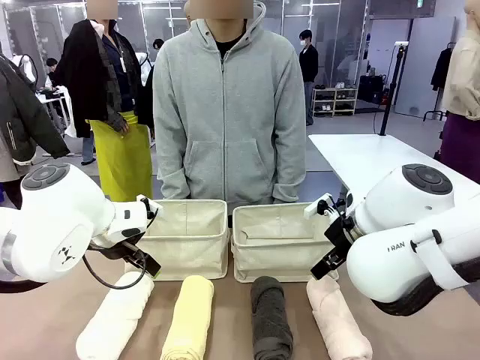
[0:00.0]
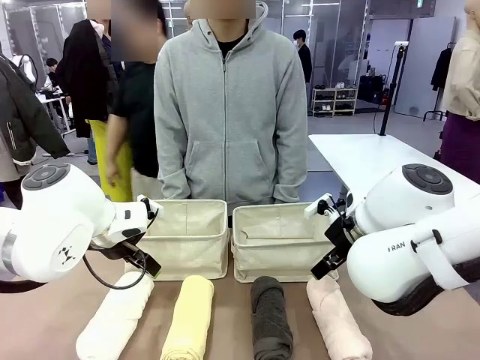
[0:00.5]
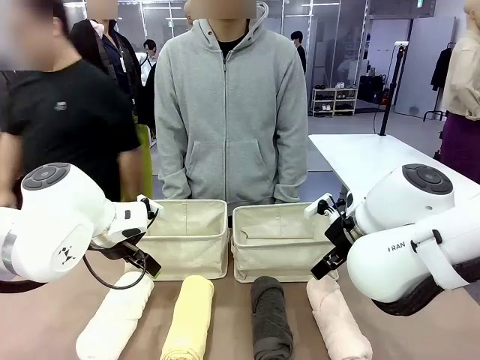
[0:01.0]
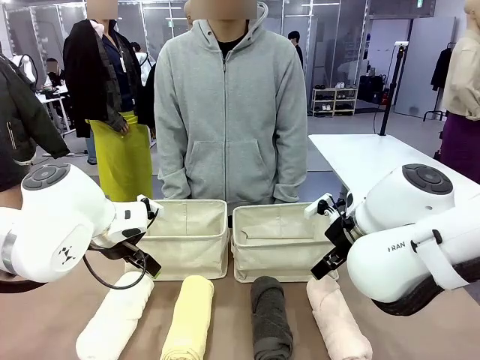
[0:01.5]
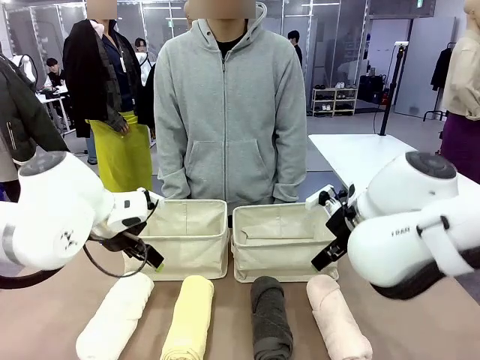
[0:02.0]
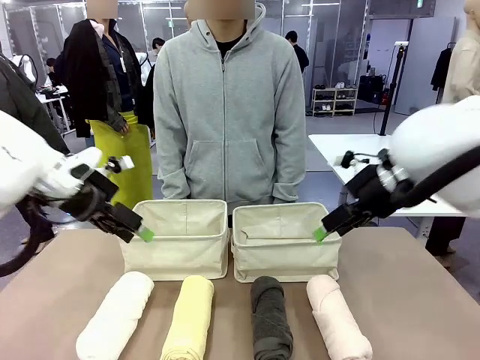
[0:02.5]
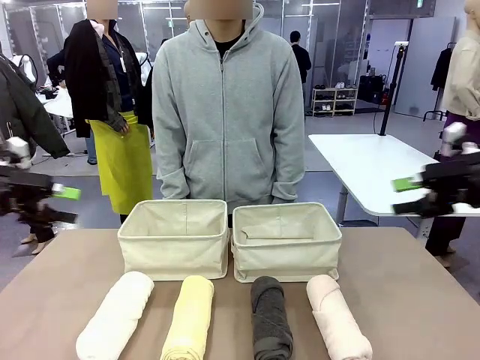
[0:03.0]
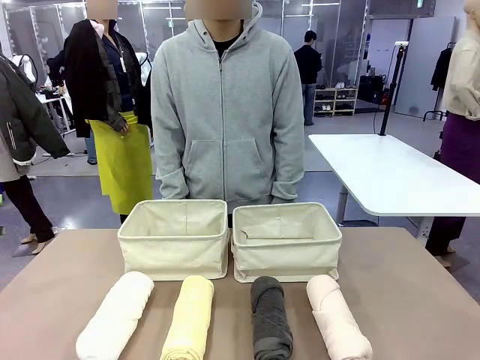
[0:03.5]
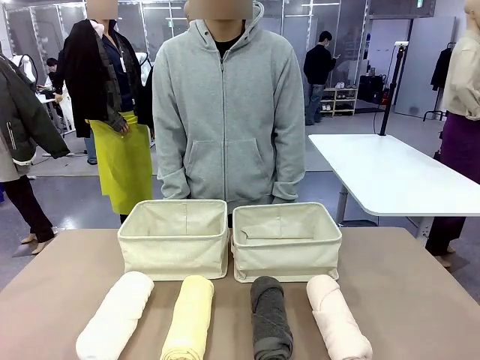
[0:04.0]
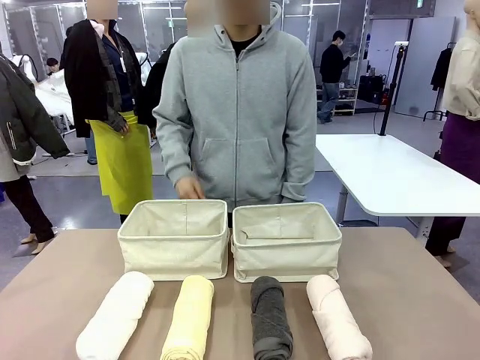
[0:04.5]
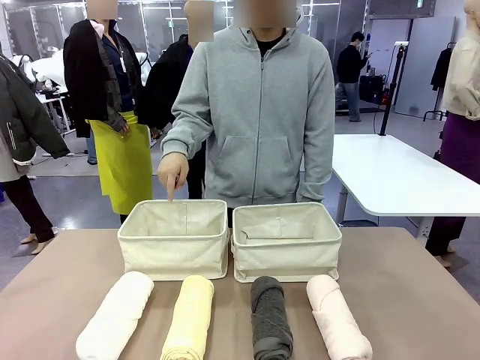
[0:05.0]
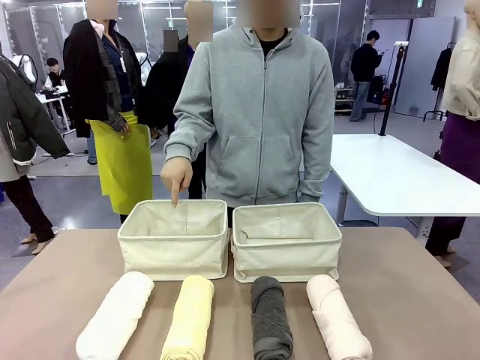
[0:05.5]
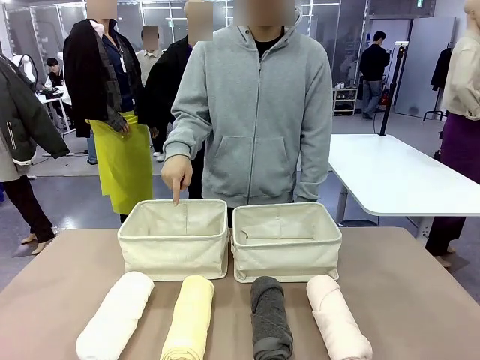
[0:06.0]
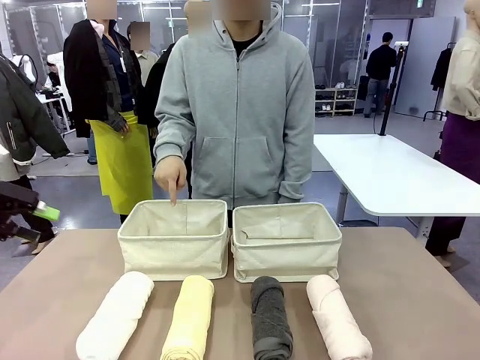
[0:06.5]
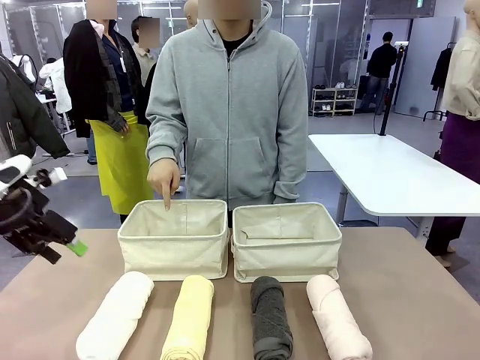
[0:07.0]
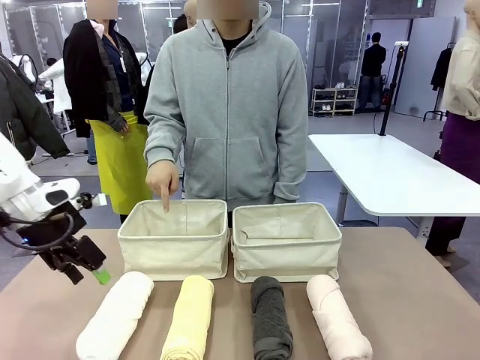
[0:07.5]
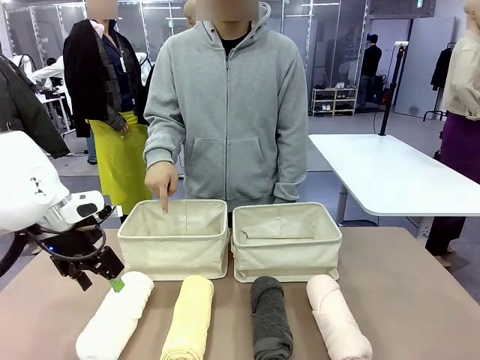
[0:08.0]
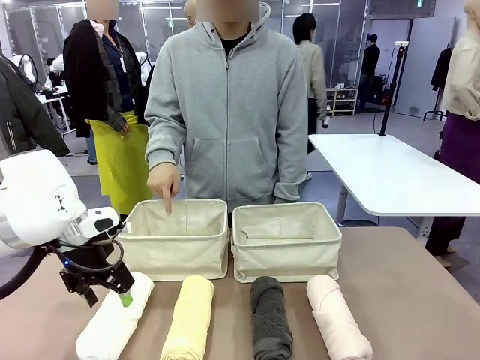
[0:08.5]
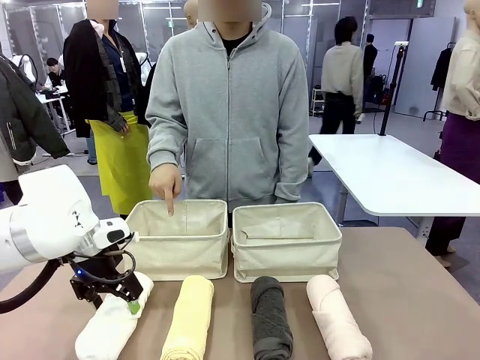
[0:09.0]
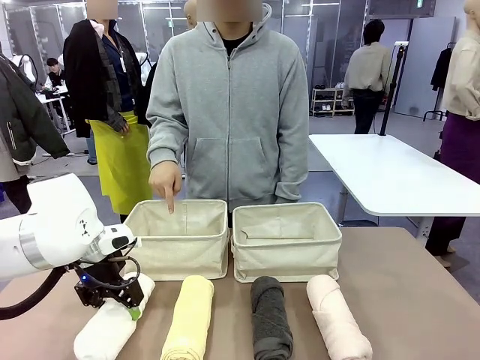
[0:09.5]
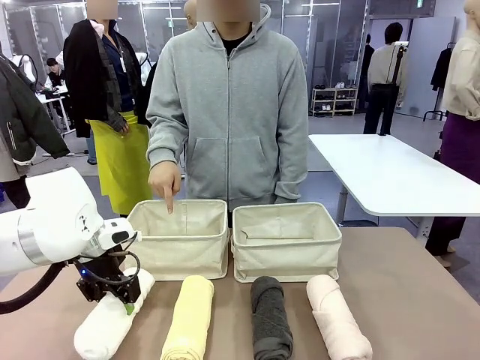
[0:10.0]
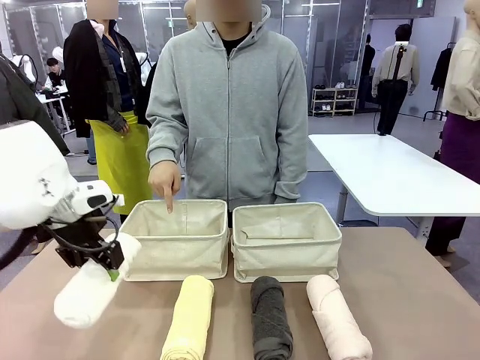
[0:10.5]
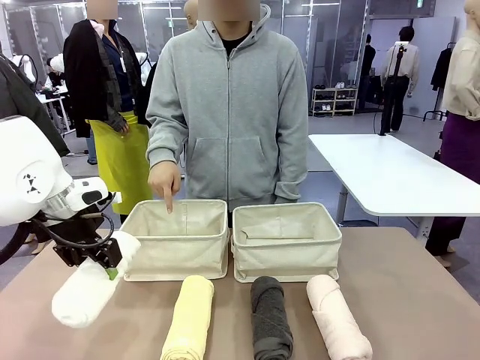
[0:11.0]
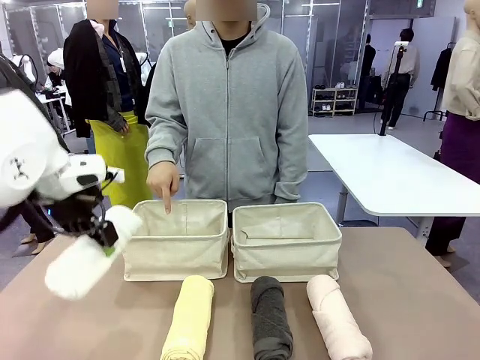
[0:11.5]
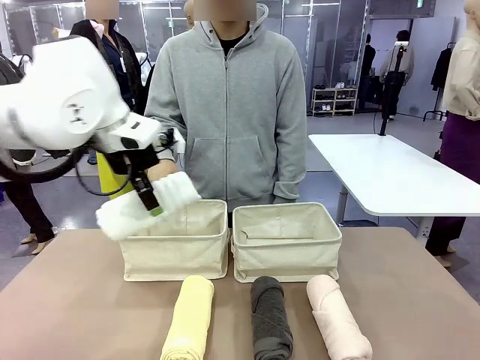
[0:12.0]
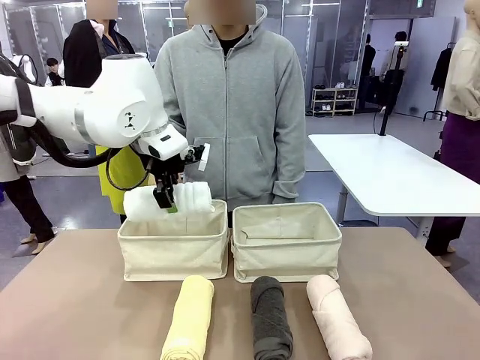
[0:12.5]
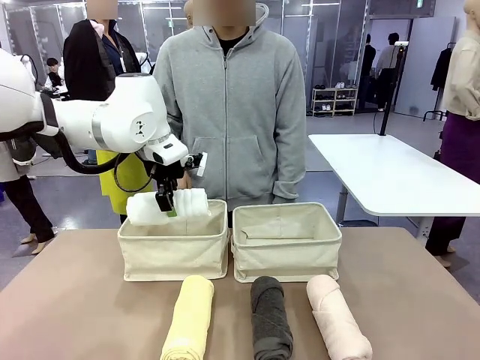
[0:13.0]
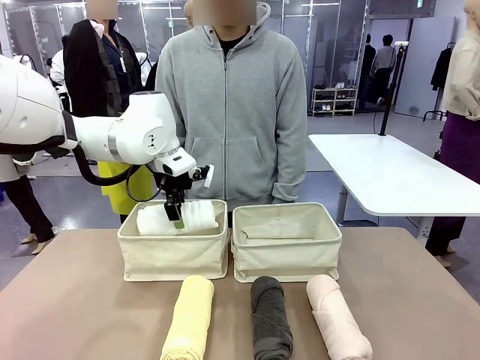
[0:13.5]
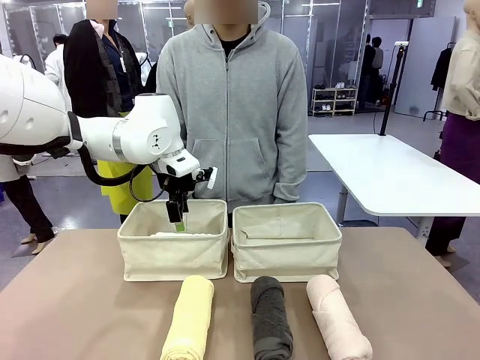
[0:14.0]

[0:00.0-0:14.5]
Task: Divide the towels into two baskets.
Robot: Pick up one hotel-folded towel and place it in the Fabric basket indicated by the person.

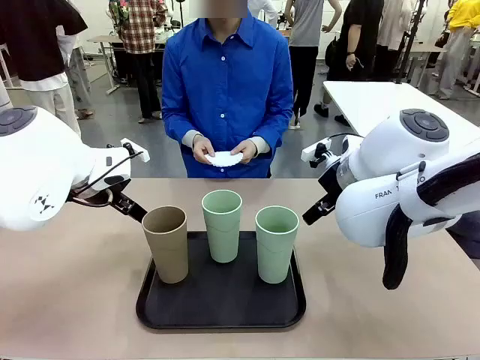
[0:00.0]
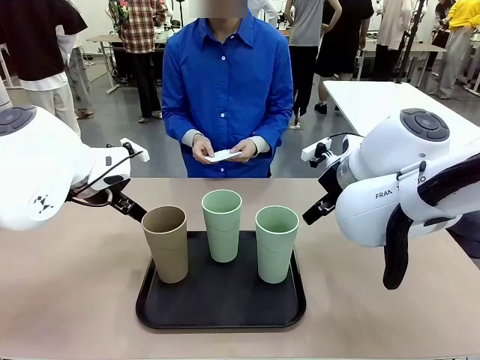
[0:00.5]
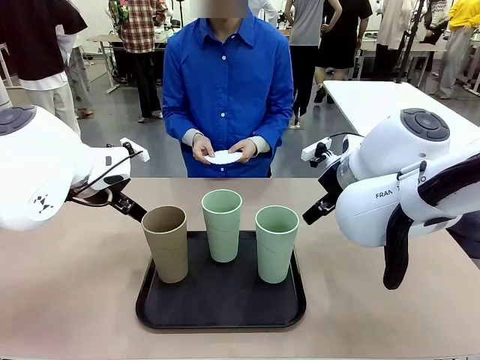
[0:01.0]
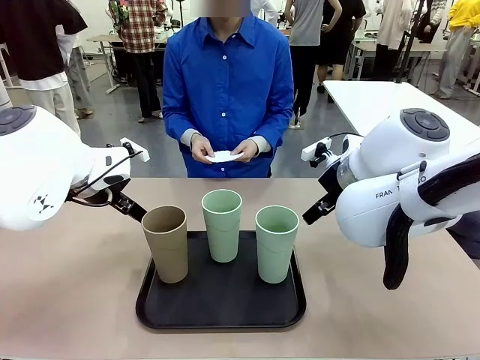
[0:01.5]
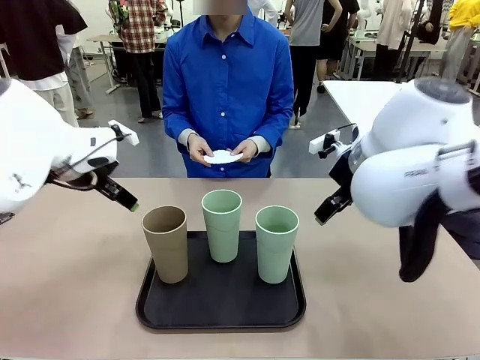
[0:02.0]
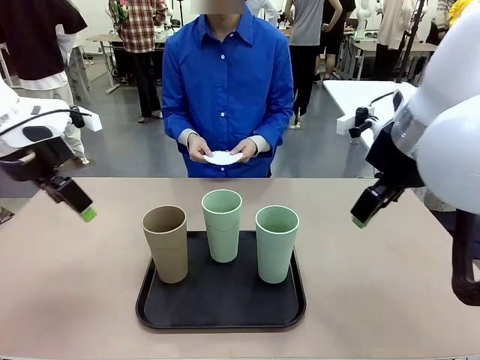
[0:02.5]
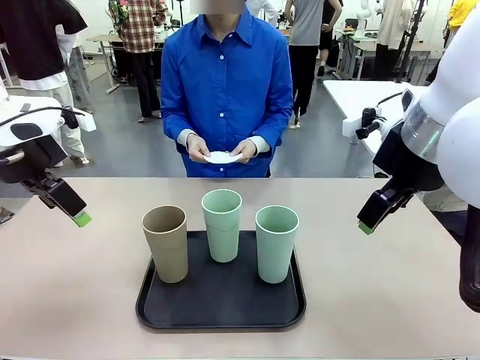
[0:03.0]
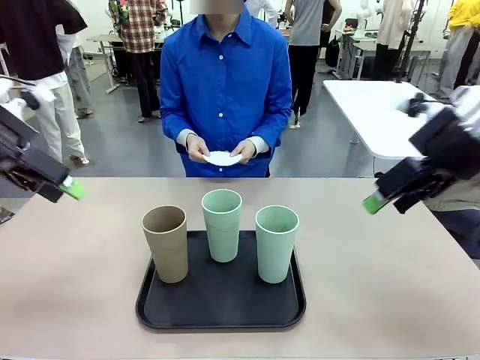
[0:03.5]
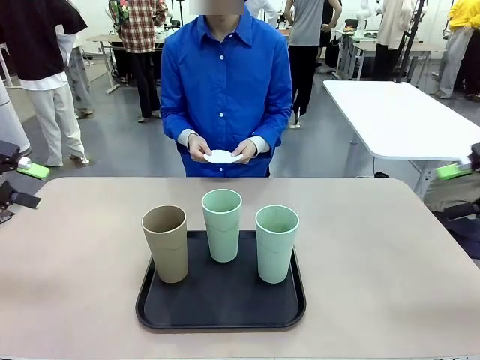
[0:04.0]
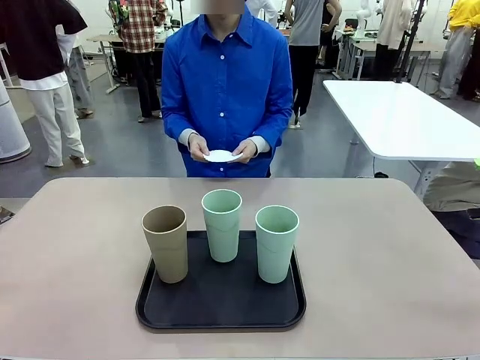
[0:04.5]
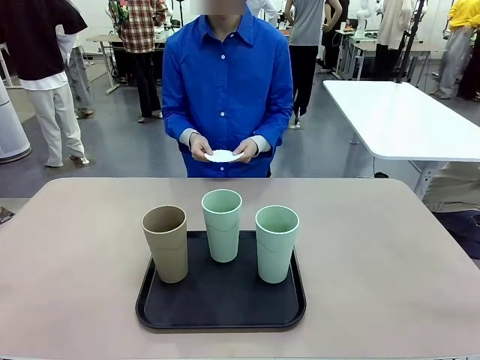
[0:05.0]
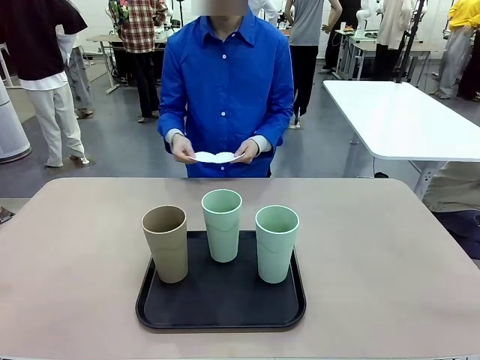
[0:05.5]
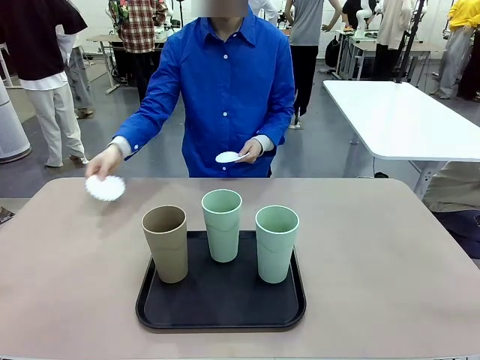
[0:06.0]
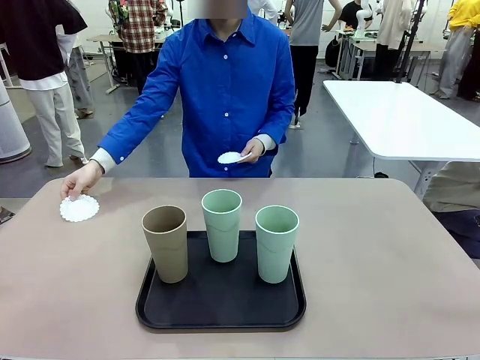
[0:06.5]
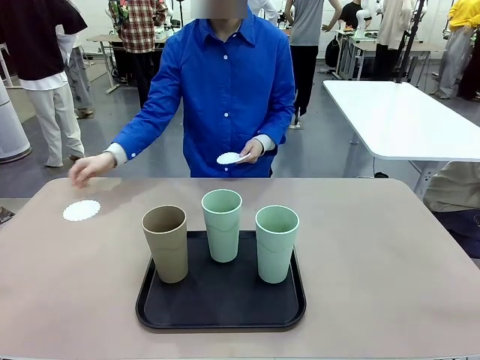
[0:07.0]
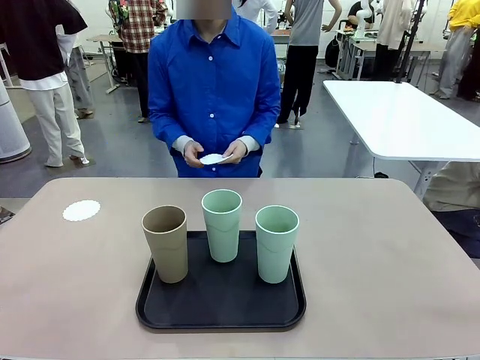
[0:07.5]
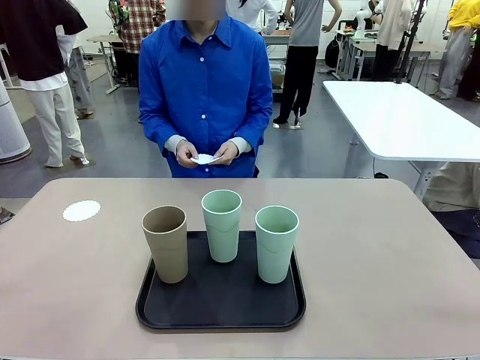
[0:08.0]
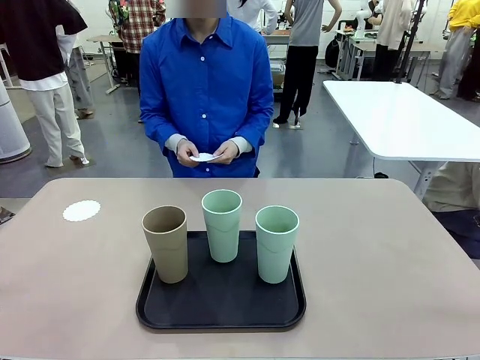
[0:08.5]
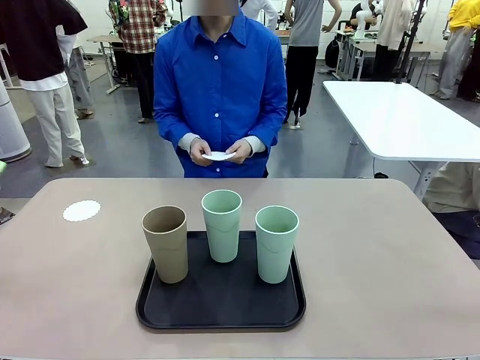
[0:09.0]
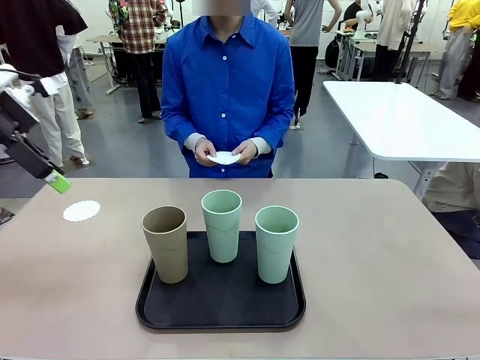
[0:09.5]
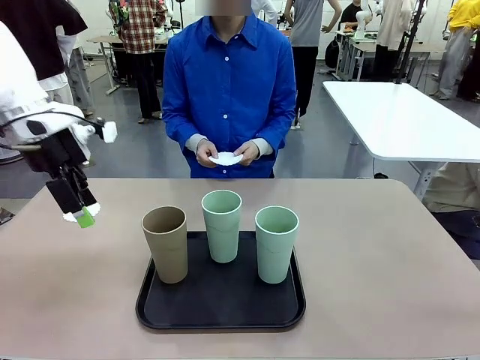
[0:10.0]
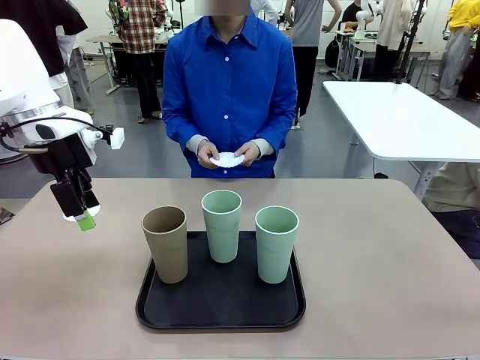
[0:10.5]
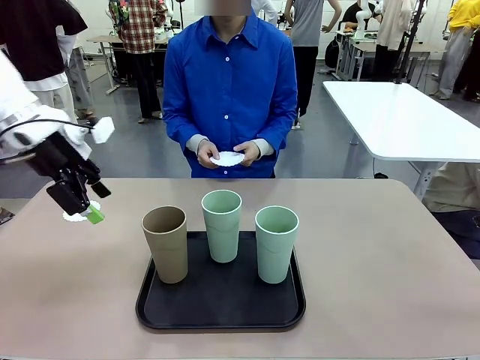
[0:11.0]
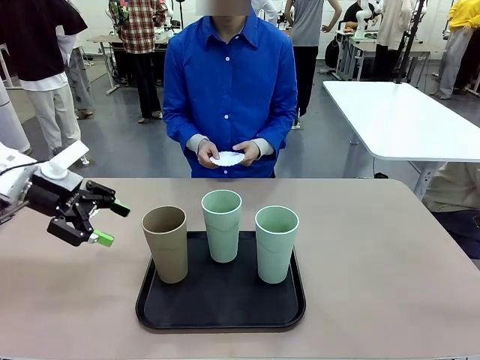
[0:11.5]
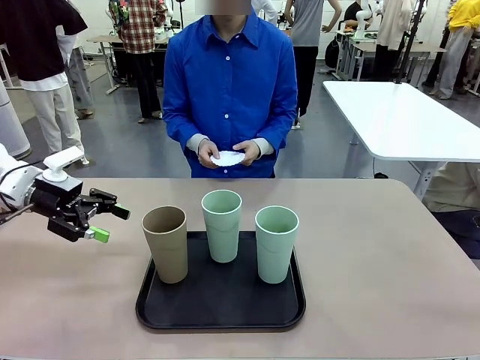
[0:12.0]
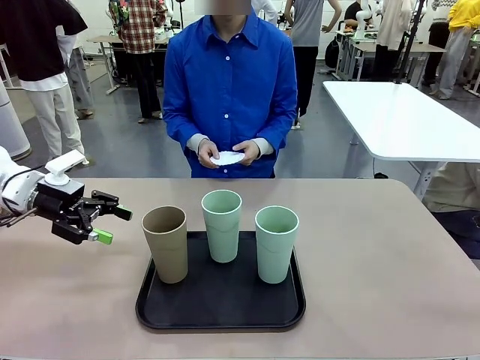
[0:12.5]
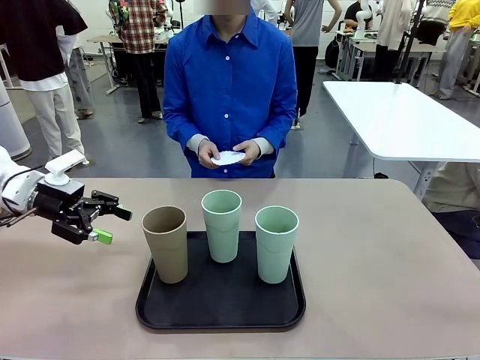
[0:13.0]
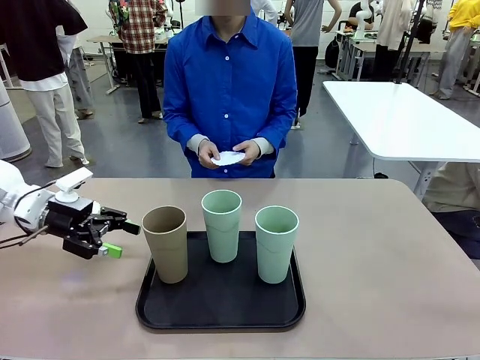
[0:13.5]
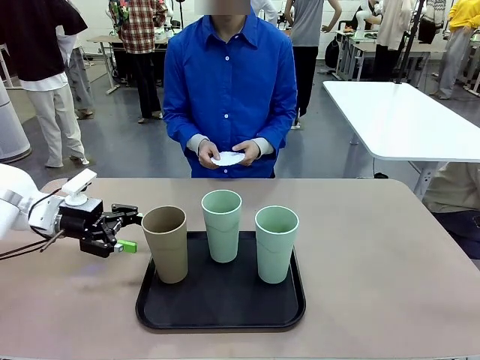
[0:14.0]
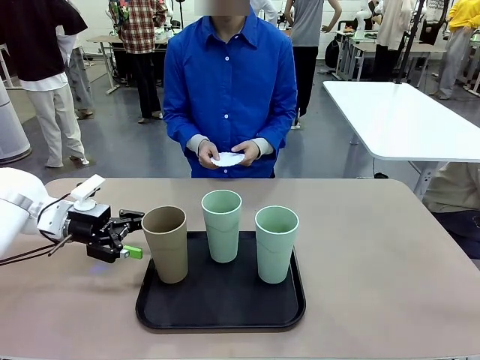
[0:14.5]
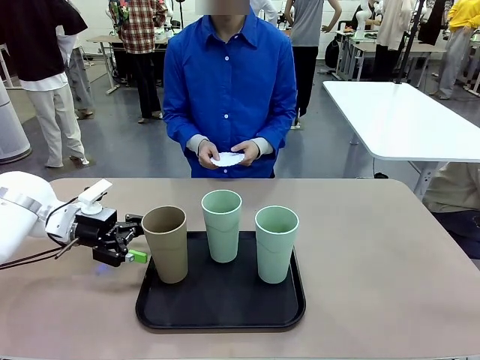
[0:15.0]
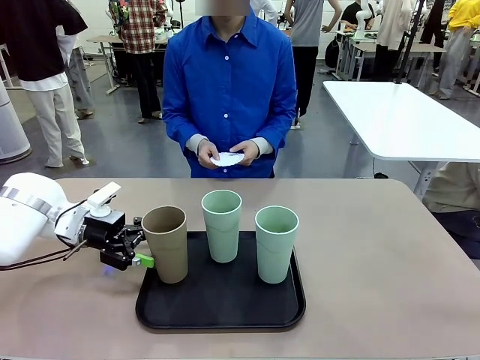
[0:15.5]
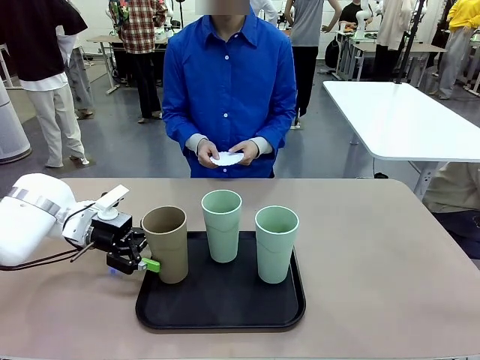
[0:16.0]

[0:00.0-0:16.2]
Task: Place coasters on the table and set cups on them.
Robot: Pick up one Reusable plastic cup and place it on a coaster set by the human.
Person: Place one coaster in any one of the three lower areas of the robot table (left, center, or right).
